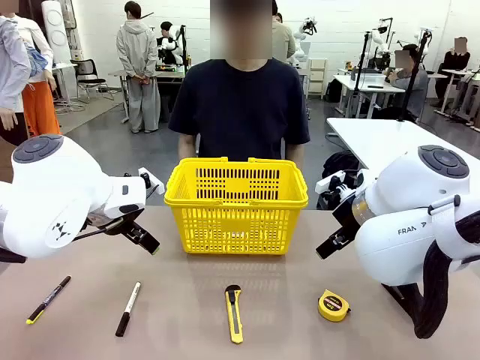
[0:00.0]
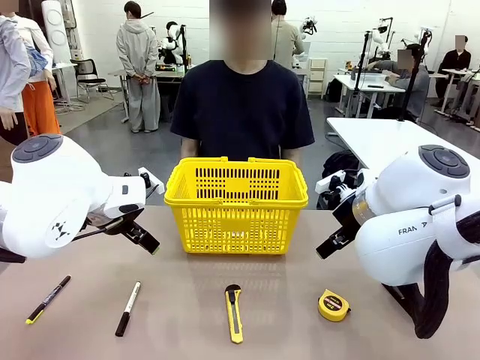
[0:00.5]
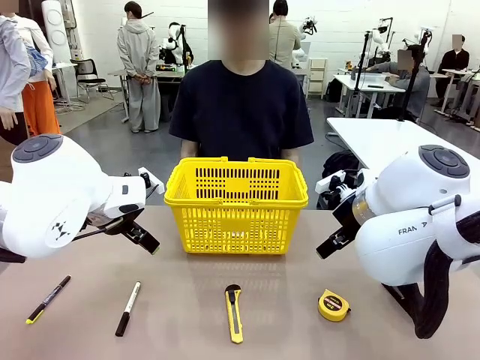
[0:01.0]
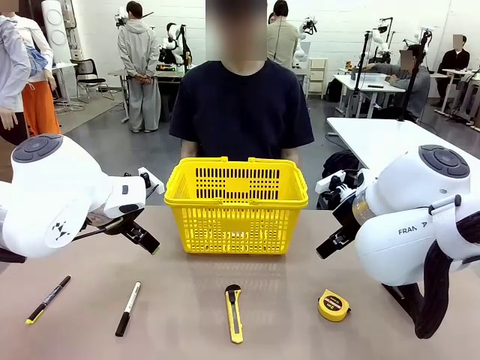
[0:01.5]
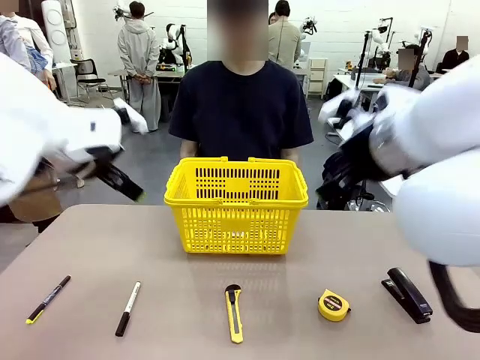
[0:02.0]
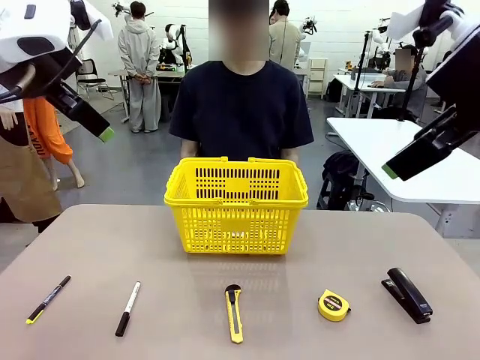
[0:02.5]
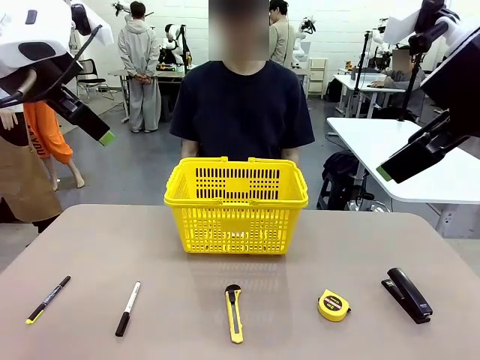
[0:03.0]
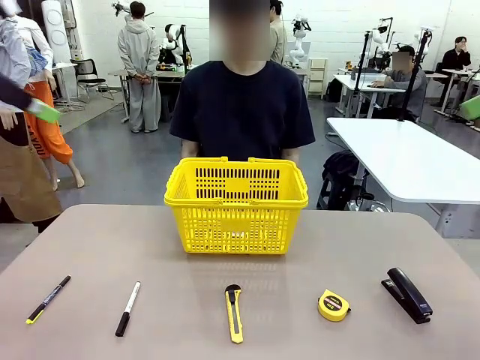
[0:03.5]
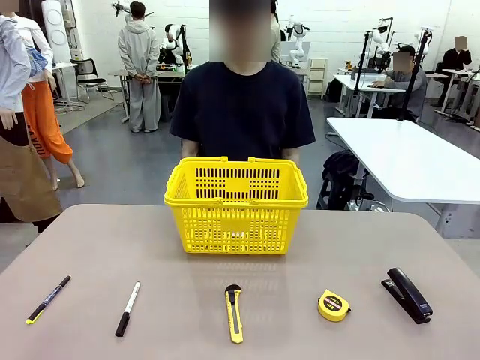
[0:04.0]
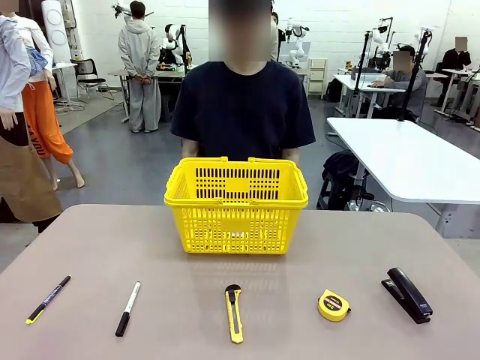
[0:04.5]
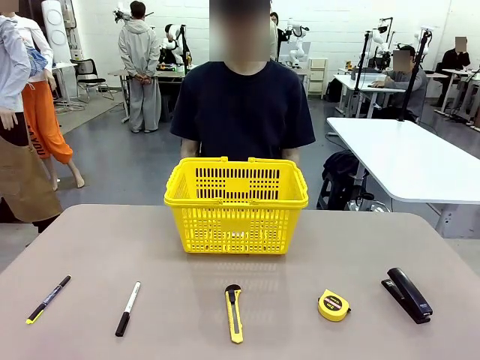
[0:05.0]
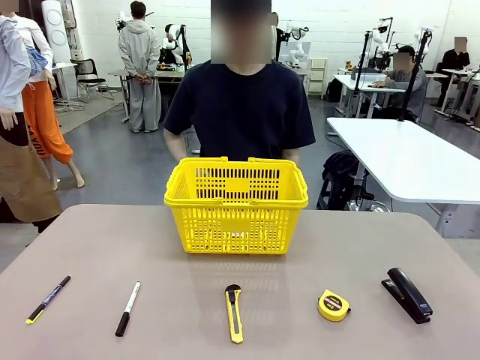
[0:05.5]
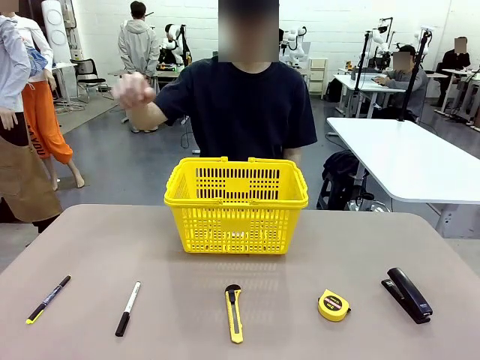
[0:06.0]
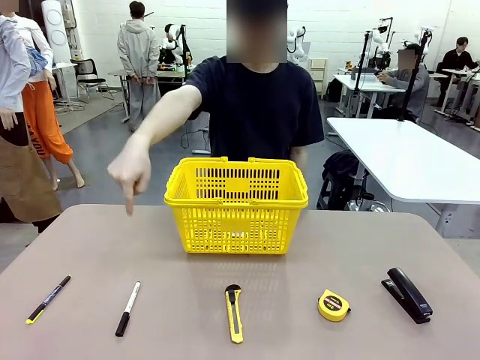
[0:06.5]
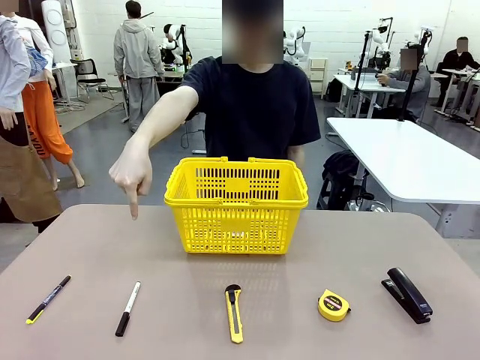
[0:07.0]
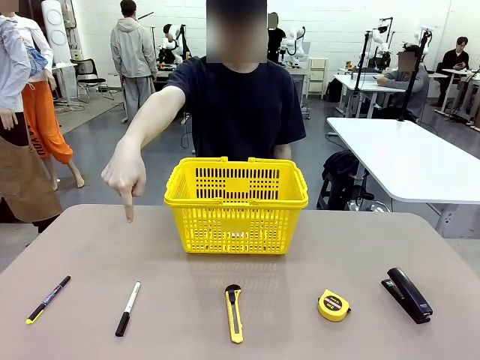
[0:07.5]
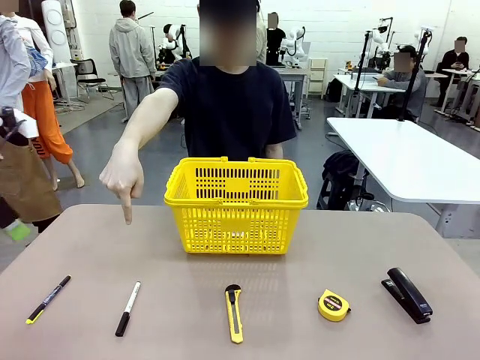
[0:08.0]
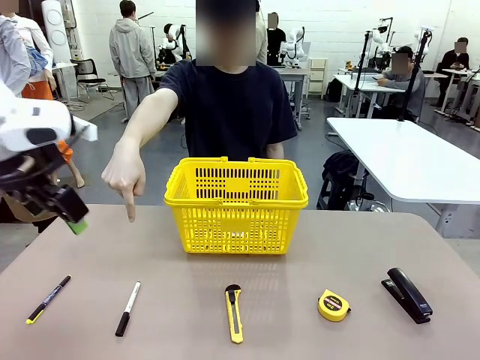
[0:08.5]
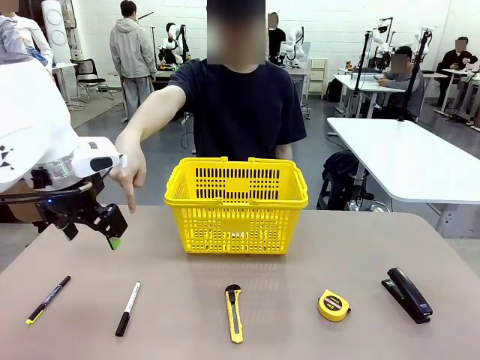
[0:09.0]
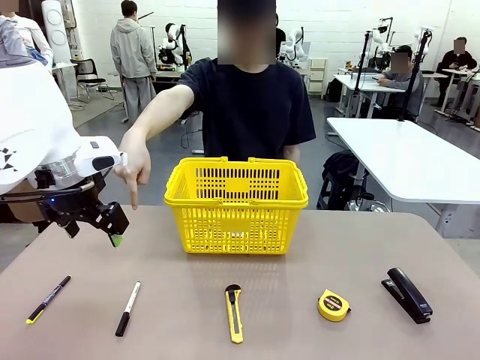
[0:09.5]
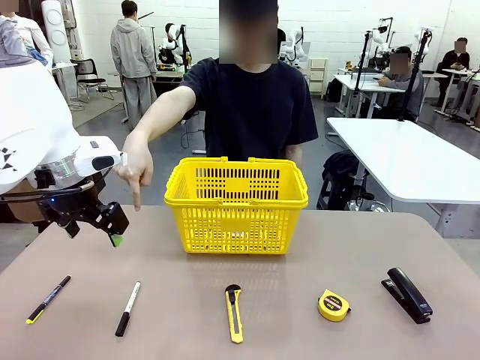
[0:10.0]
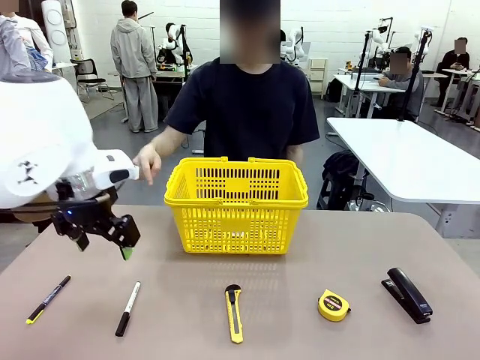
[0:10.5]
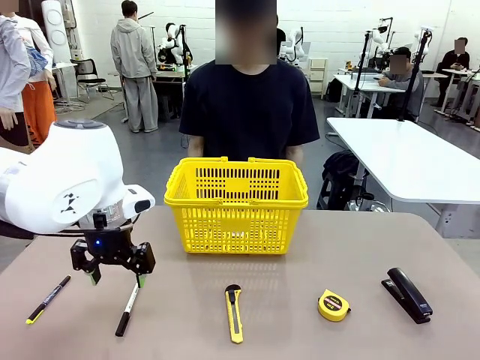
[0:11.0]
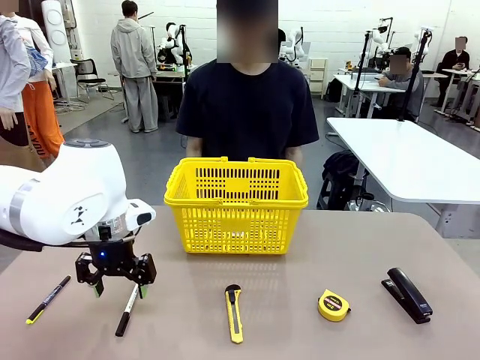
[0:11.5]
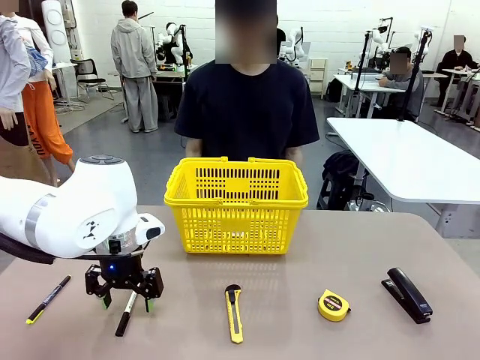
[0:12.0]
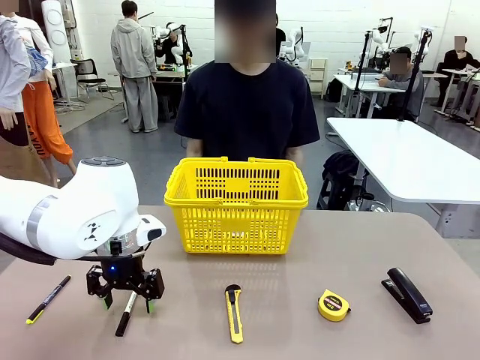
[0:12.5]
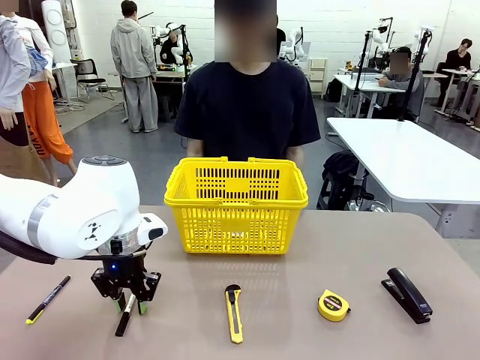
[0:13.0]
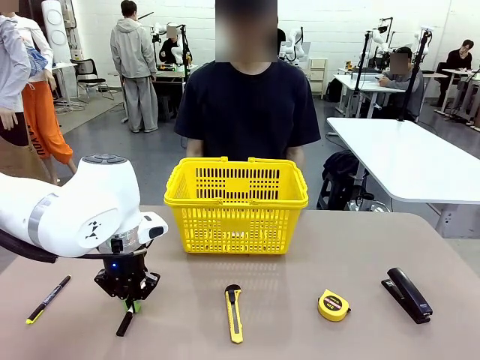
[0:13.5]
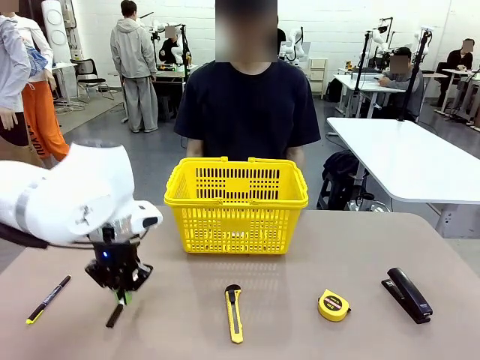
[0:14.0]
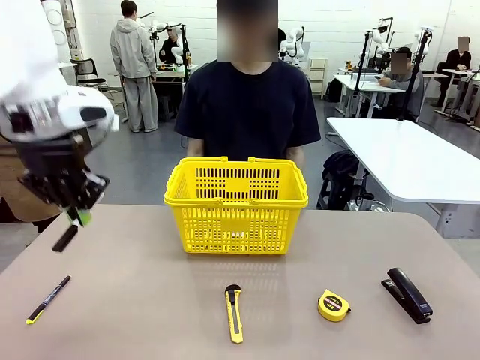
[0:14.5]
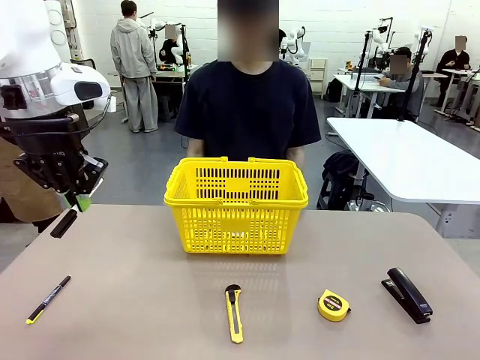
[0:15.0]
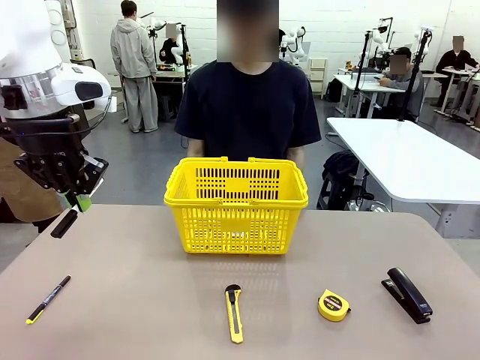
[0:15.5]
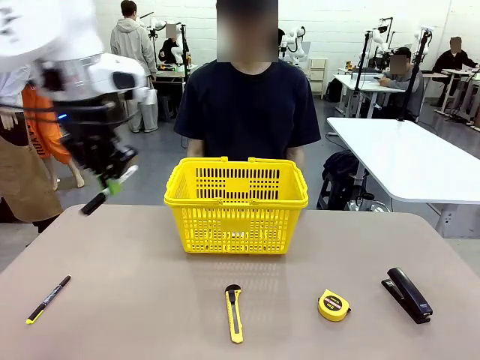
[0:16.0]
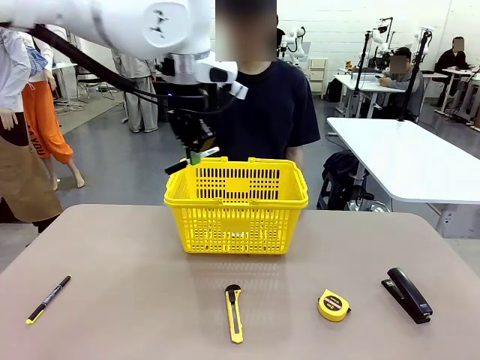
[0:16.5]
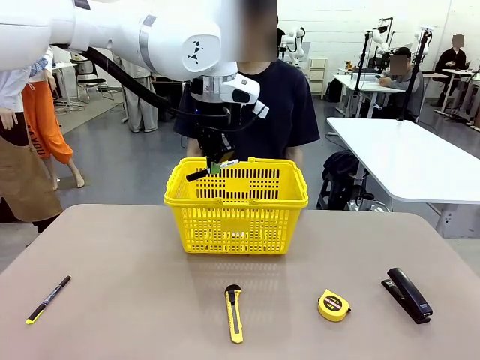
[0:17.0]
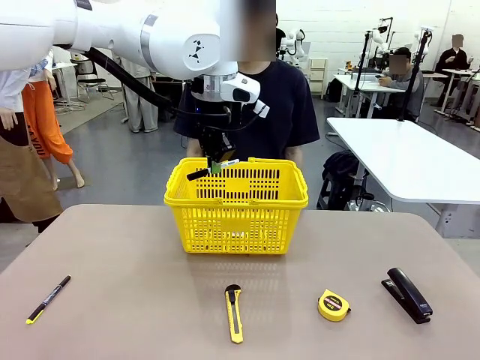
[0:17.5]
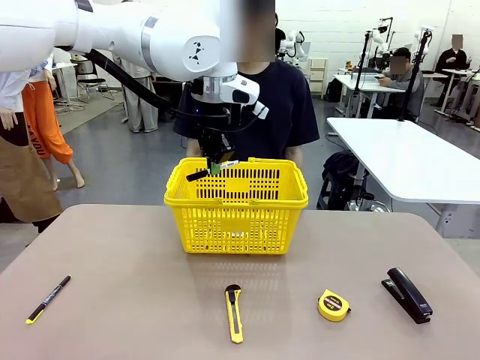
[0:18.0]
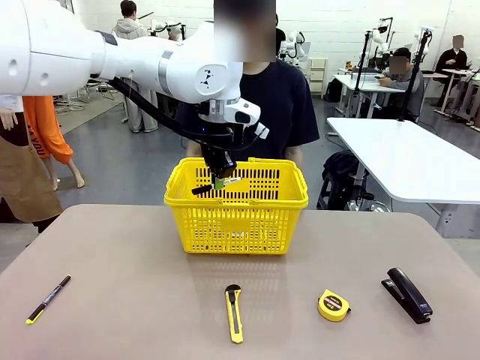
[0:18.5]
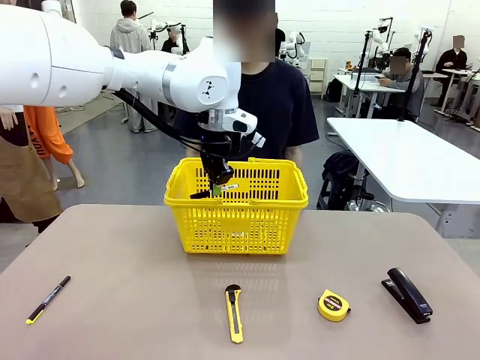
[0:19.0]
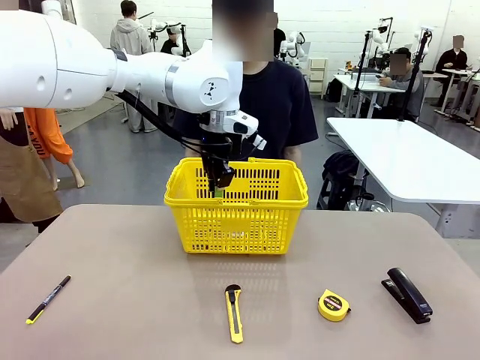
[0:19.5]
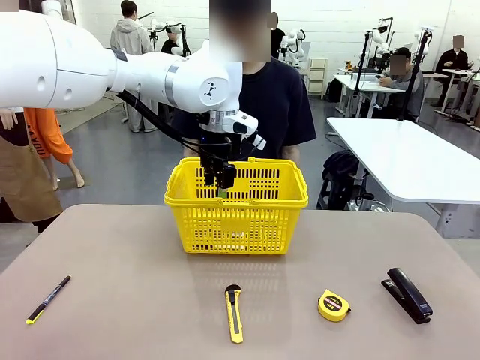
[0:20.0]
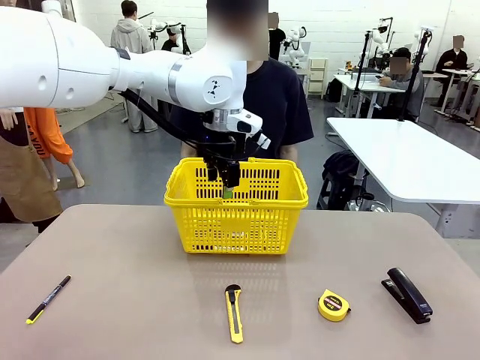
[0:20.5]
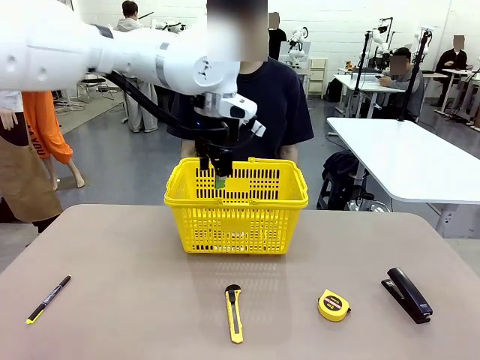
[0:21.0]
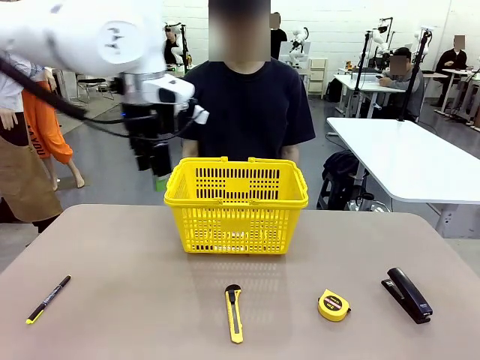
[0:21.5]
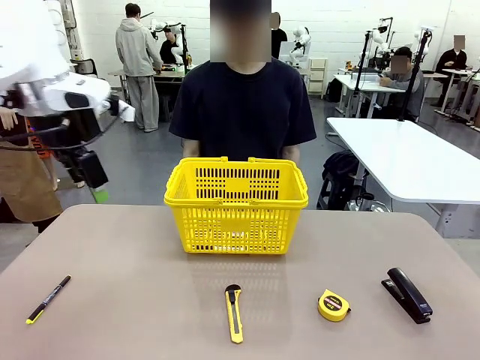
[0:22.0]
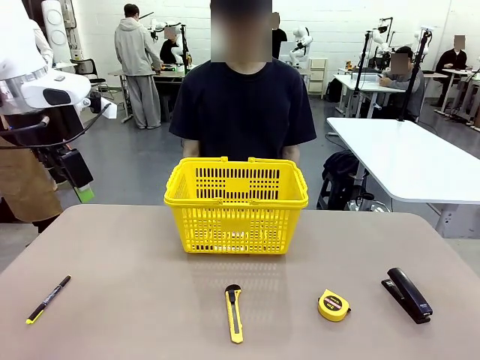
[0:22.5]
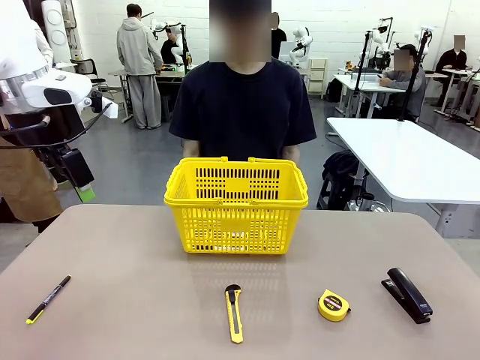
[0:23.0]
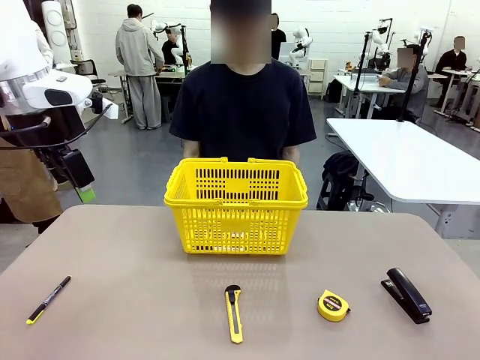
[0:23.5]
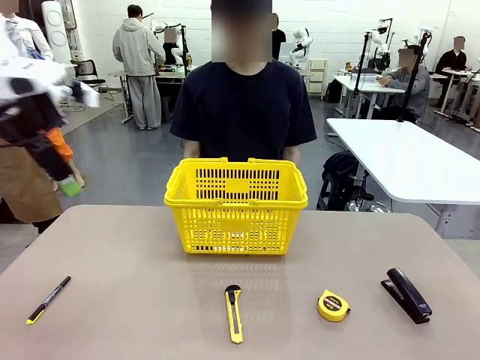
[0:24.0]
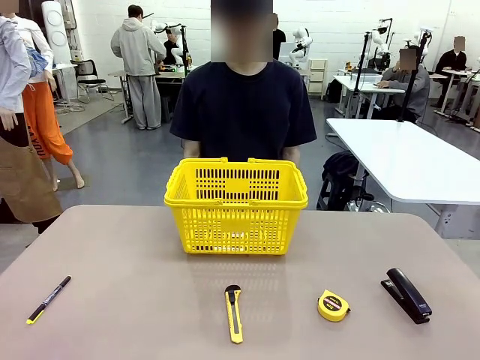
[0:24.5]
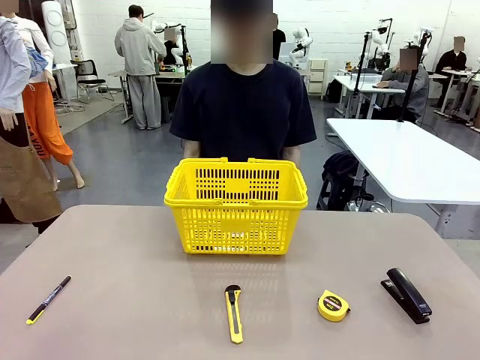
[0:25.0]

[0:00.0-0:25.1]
Task: Place the items the person wants into the basket.
Robot: Pick up the item the person points to and place it in the Market Basket.
